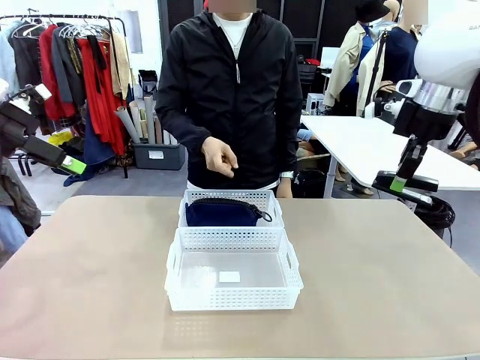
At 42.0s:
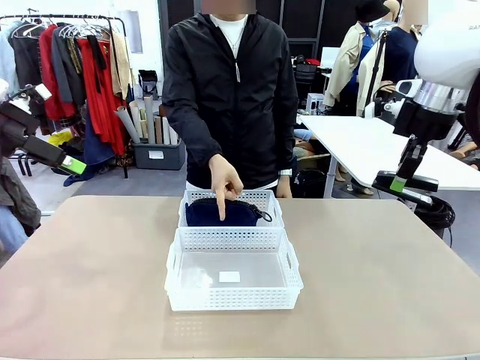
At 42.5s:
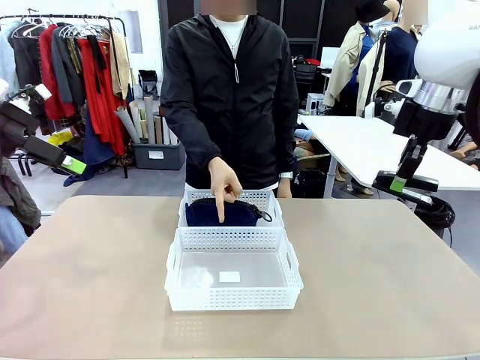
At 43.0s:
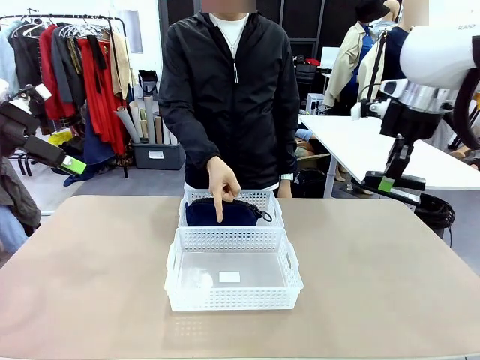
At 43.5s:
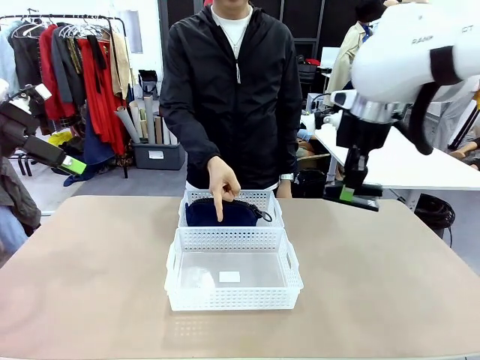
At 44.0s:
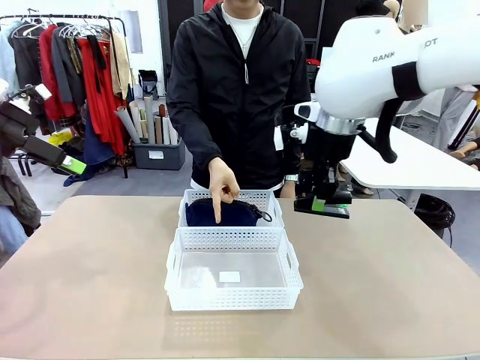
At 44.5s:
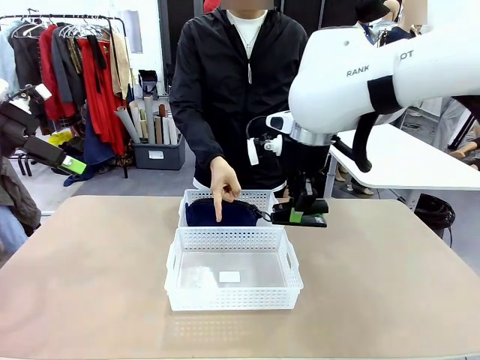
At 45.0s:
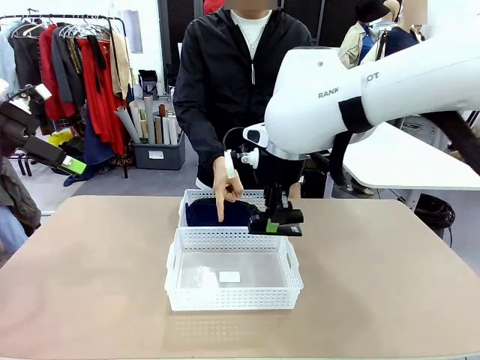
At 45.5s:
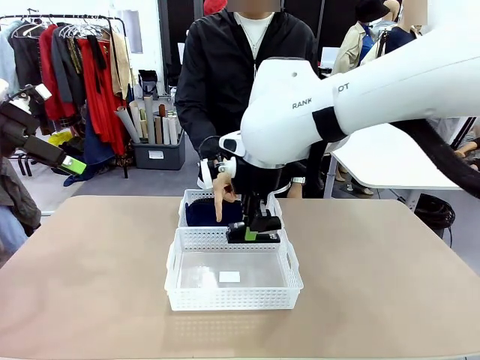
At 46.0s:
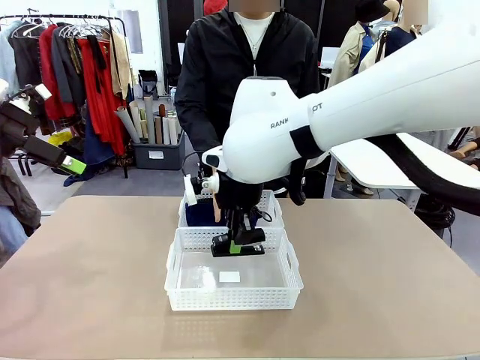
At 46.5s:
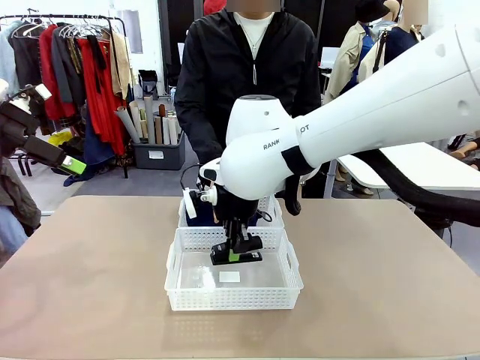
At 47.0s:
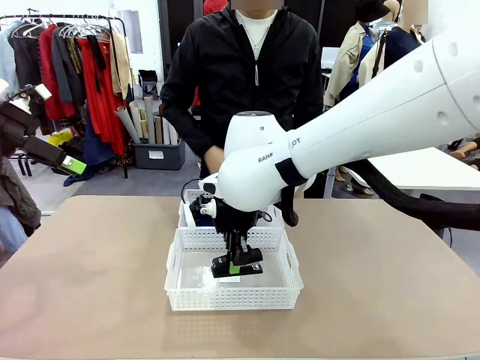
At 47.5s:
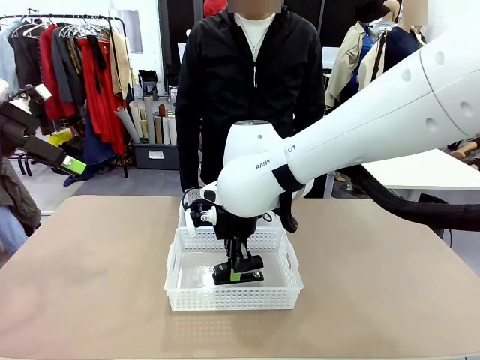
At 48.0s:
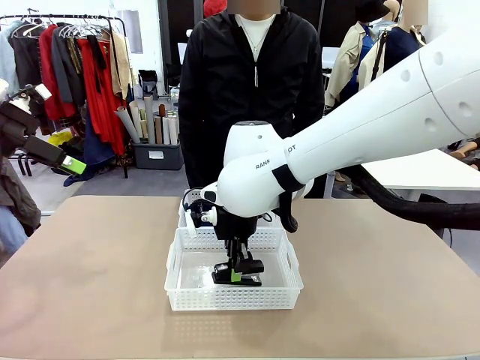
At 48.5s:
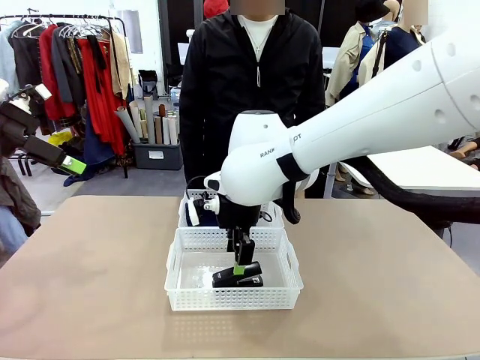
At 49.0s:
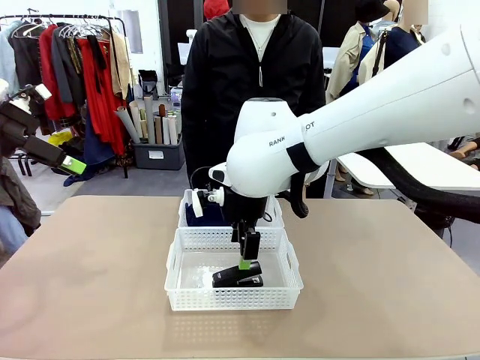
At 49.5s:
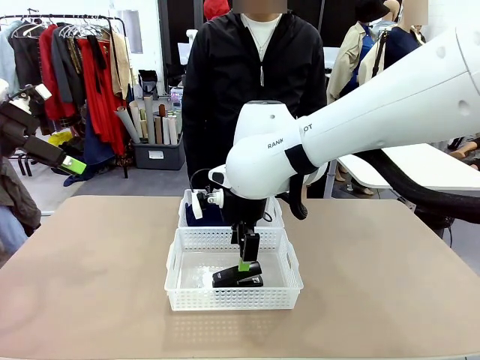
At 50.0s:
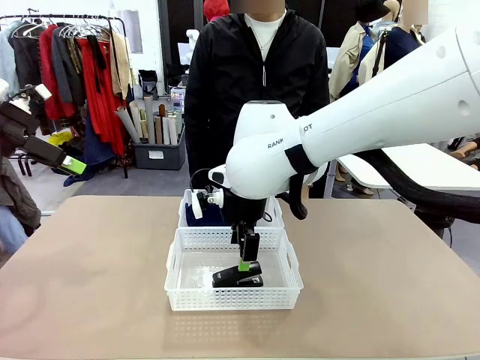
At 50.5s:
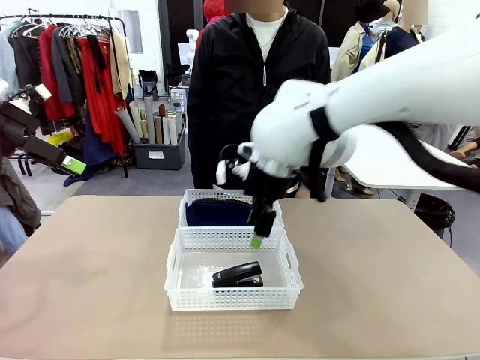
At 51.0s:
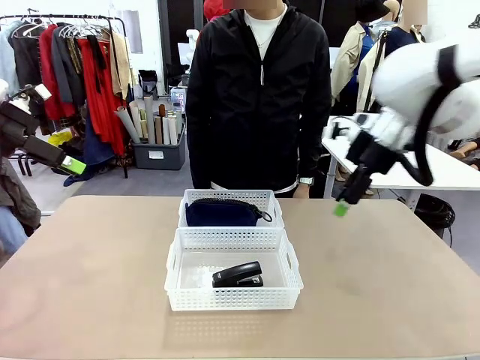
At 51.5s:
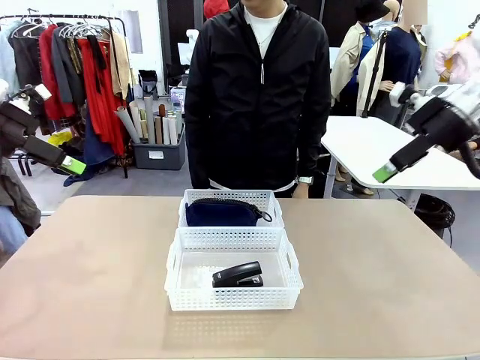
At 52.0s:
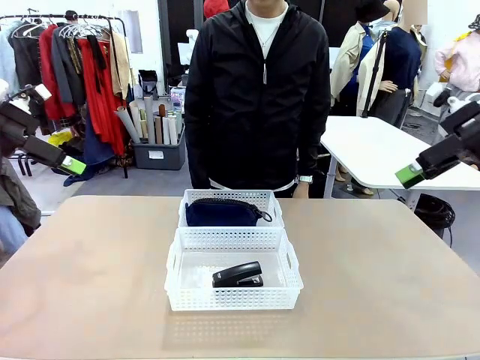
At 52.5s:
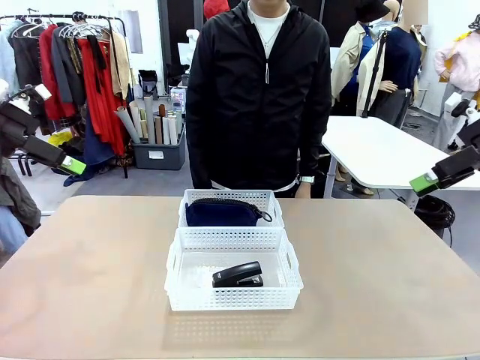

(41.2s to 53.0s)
Task: Distribute items into two baskets.
Robot: Place the picked Stapler into the Organizing basket as instructed by the person.
Person: Points to the basket that does not contain the pencil case and instructs the robot to move the stapler there.

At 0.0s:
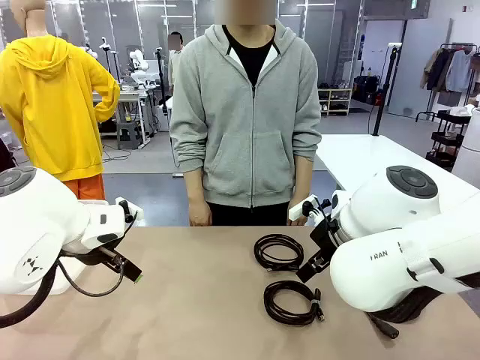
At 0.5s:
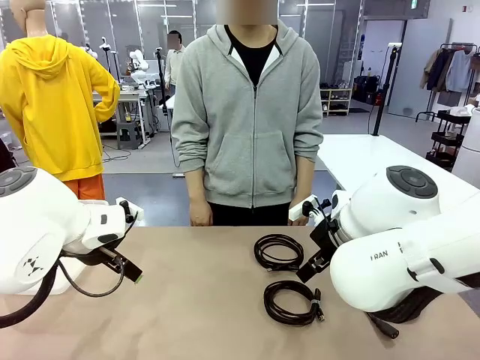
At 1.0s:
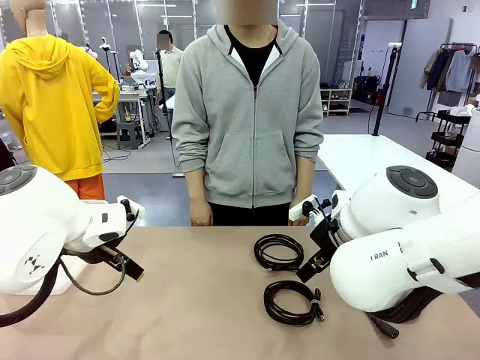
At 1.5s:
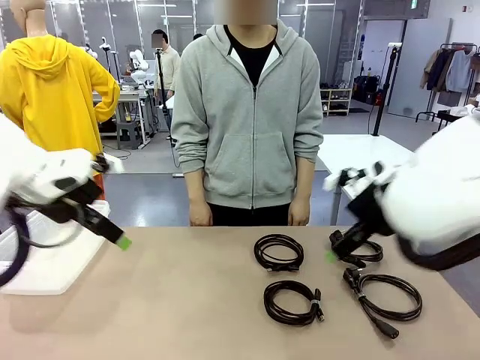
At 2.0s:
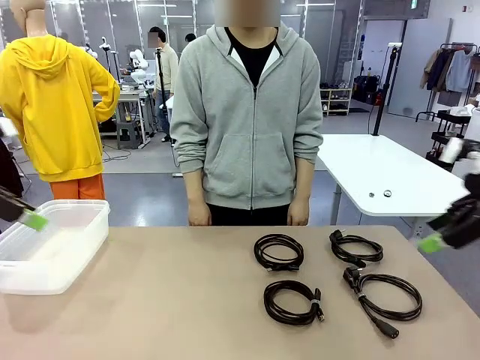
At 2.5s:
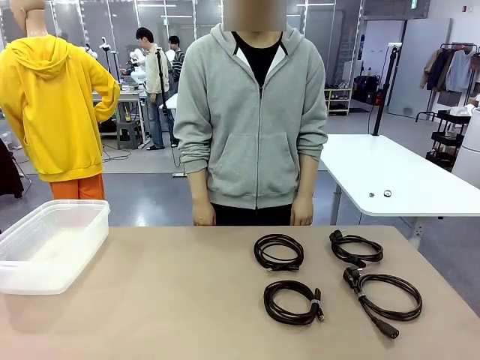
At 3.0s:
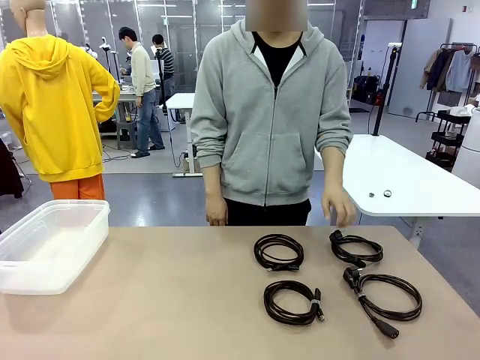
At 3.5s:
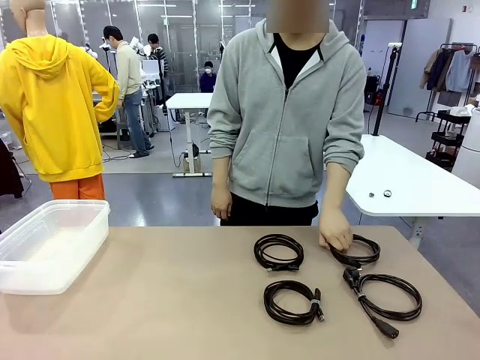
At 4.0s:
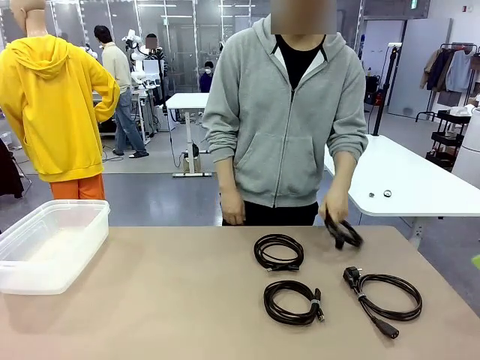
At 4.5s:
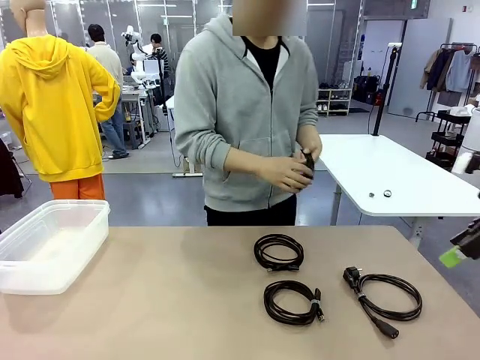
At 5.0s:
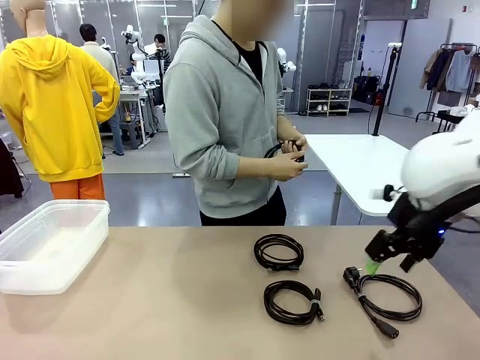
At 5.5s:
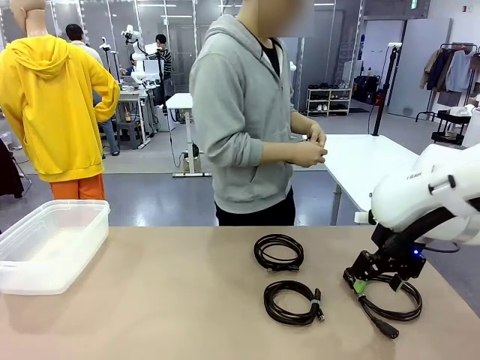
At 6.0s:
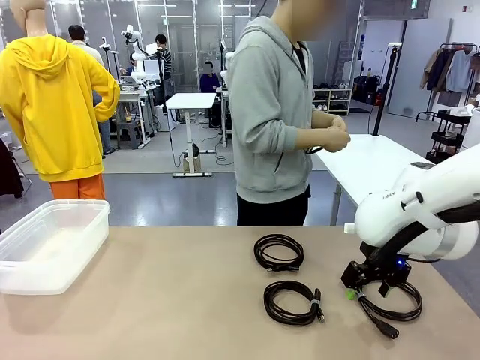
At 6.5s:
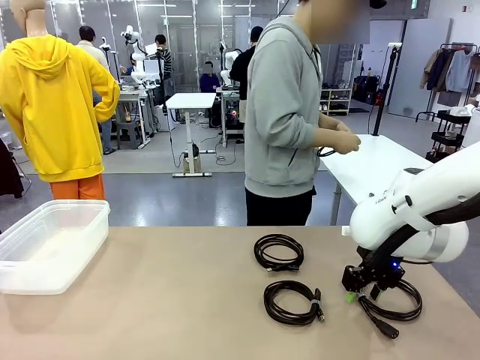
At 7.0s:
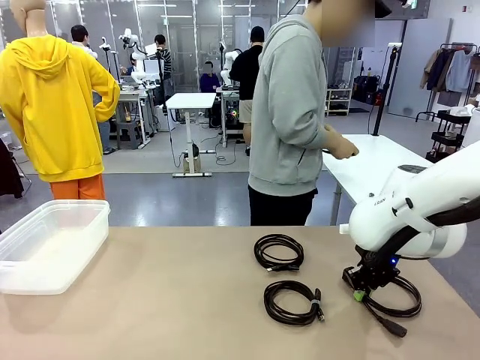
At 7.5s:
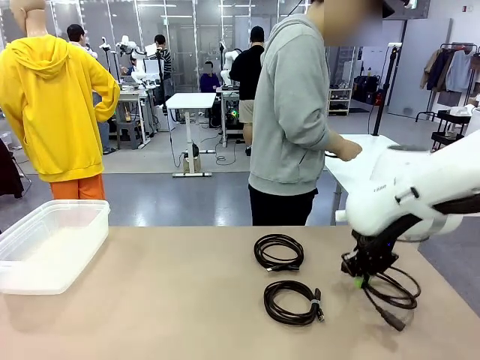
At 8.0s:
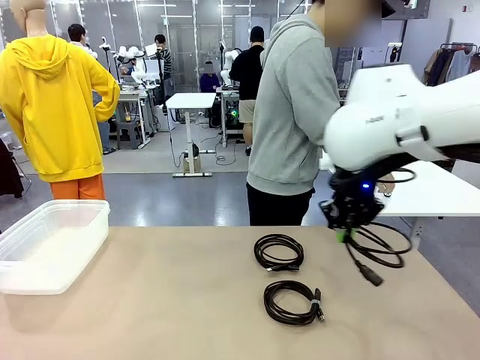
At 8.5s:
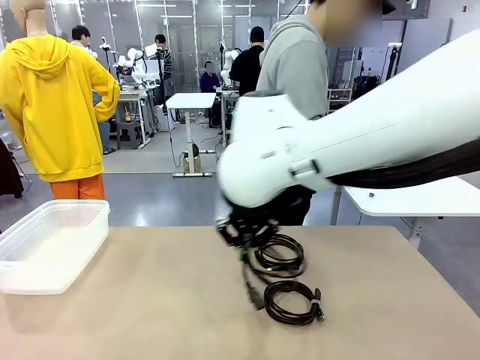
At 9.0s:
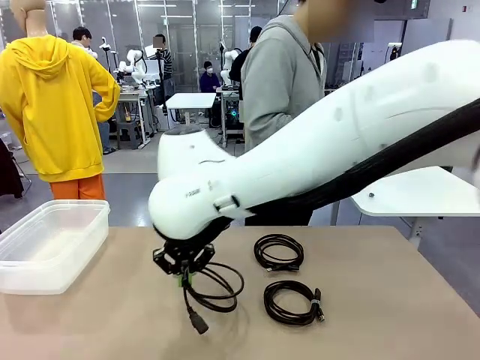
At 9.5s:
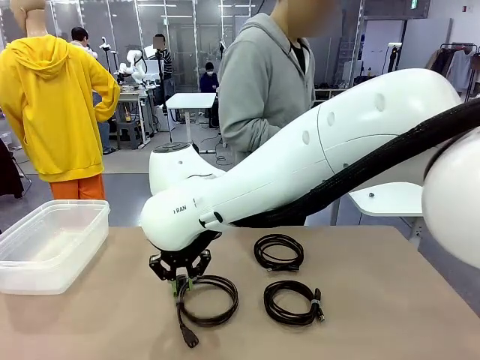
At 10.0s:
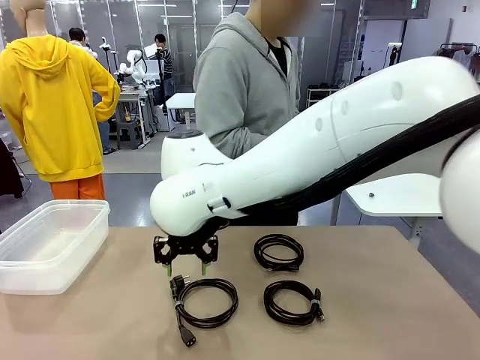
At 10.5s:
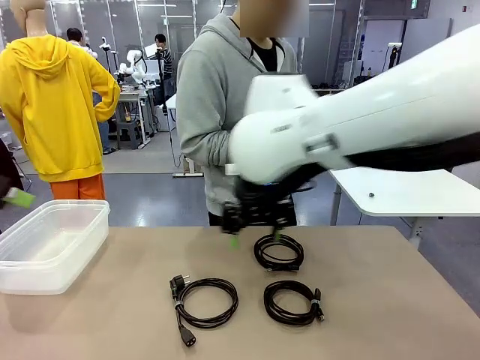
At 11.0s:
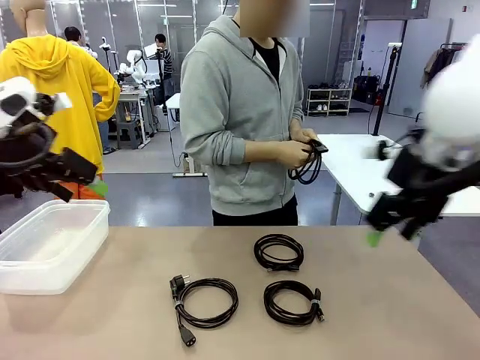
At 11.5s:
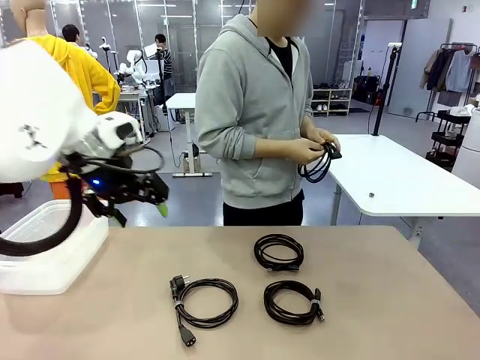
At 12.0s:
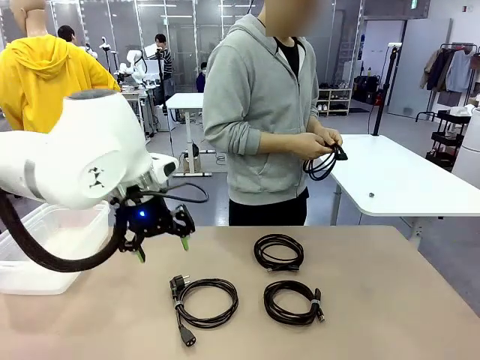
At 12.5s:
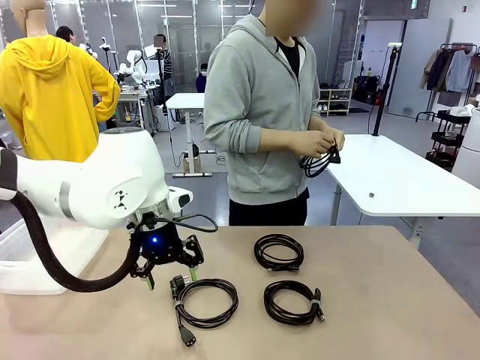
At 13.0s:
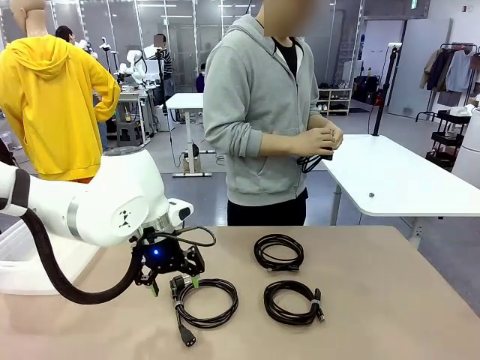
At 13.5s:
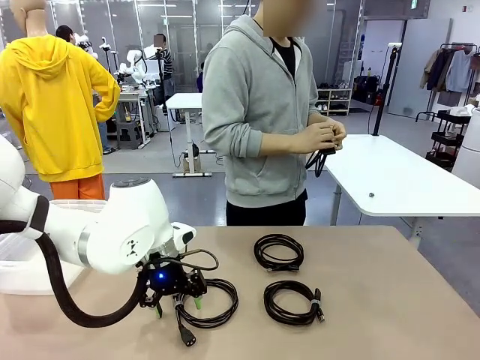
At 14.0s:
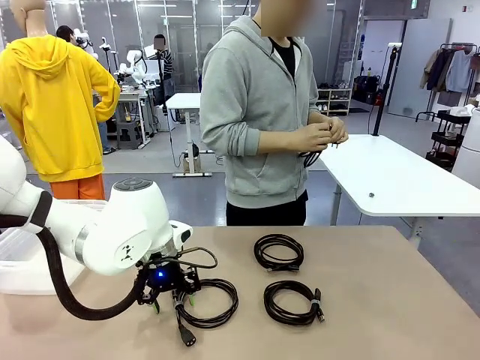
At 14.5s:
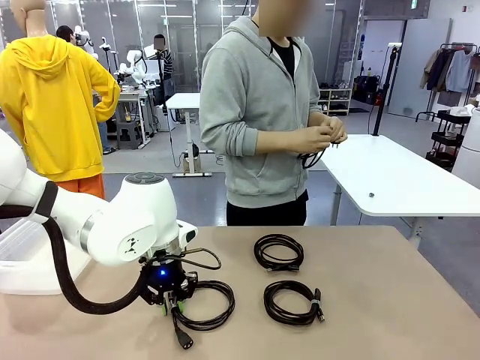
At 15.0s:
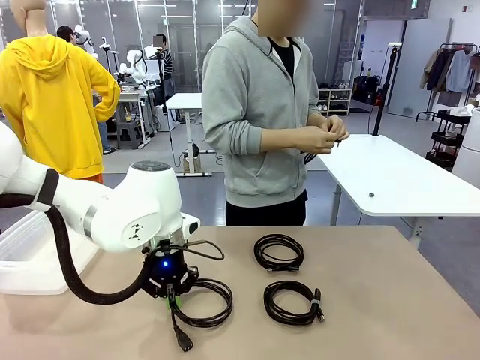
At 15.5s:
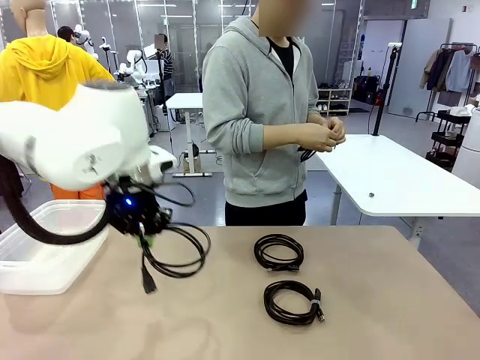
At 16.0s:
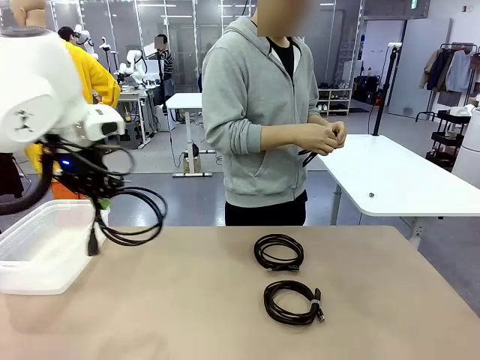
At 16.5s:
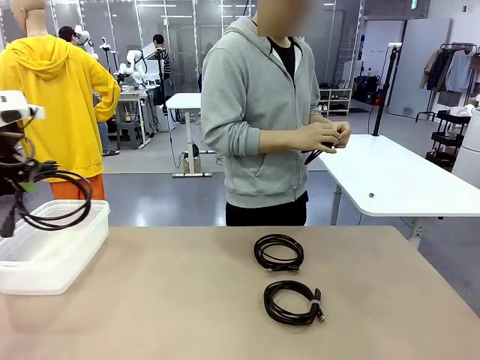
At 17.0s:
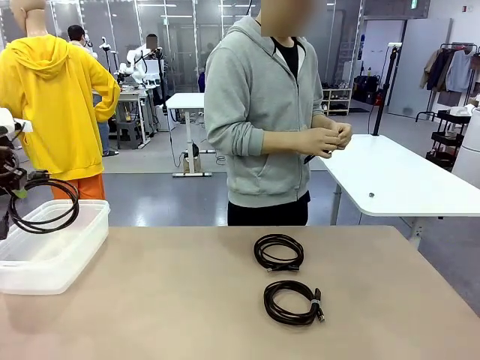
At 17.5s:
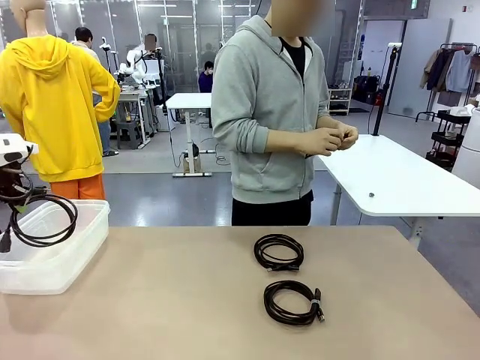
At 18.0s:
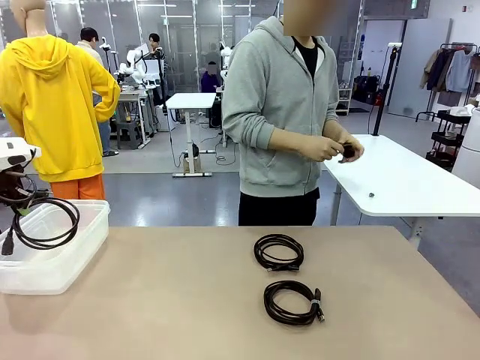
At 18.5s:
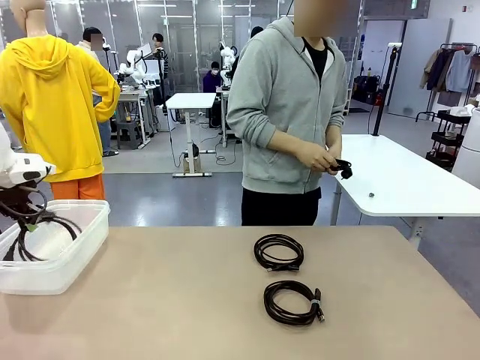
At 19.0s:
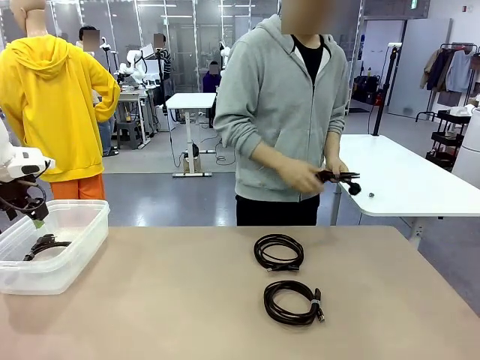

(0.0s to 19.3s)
Task: Organize and store the cables.
Robot: Place the Power Cable into the Organizing box.
Person: Tie one Power Cable with a Reusable Cable Tie.
